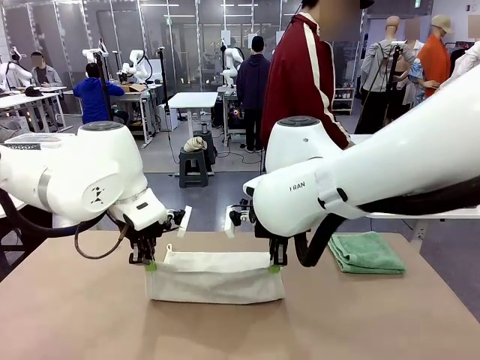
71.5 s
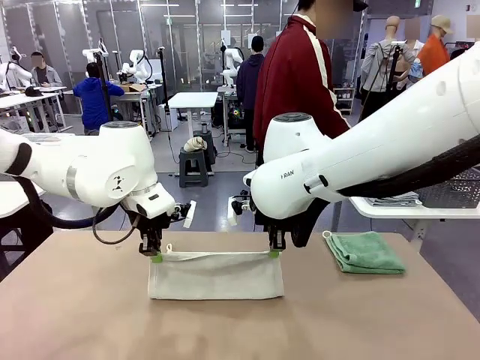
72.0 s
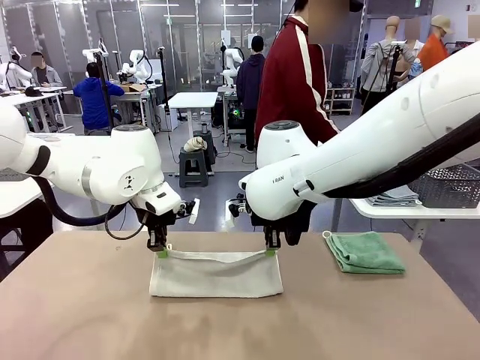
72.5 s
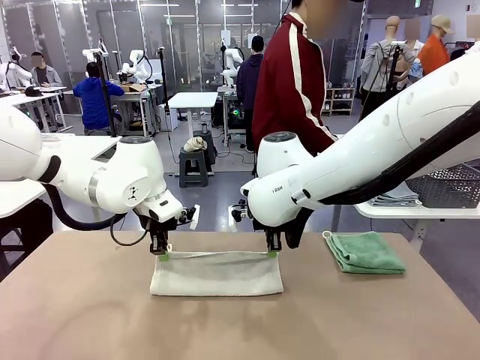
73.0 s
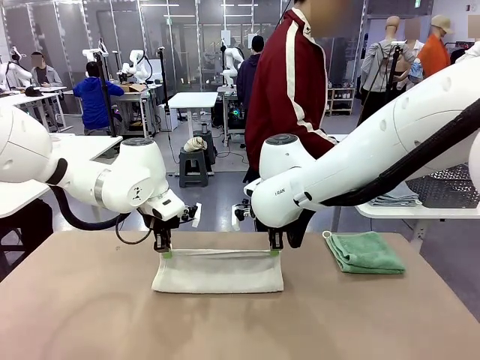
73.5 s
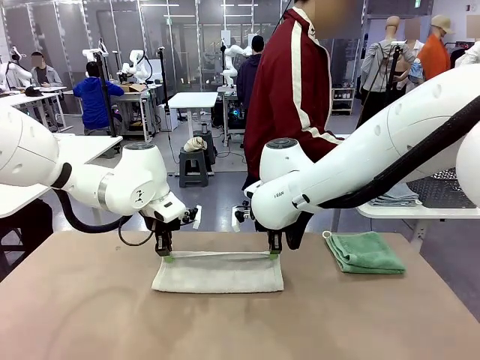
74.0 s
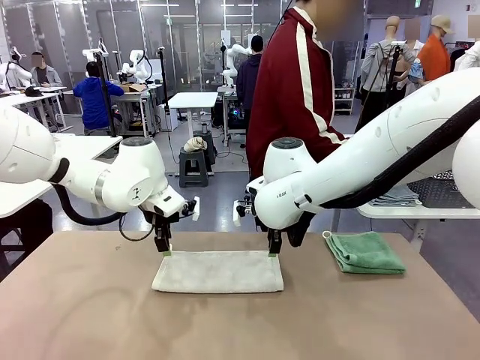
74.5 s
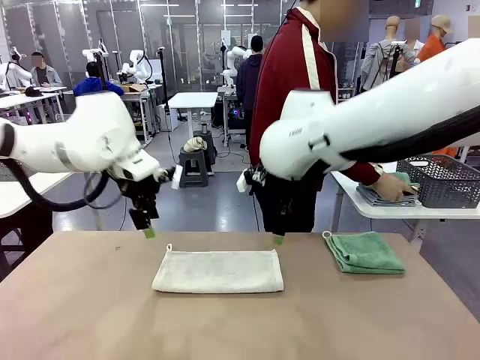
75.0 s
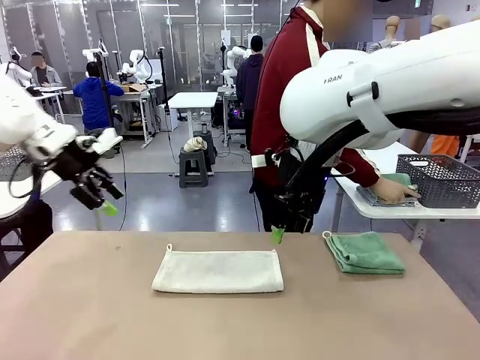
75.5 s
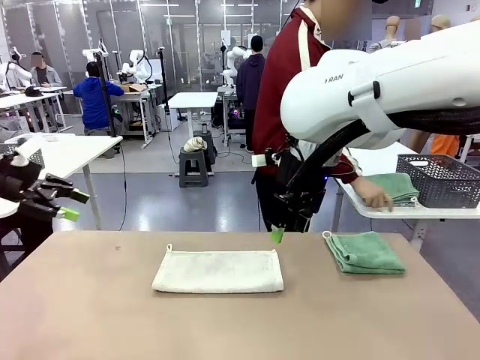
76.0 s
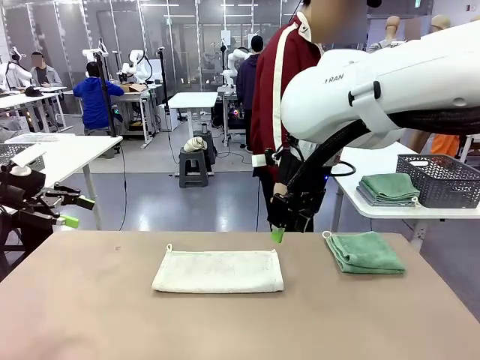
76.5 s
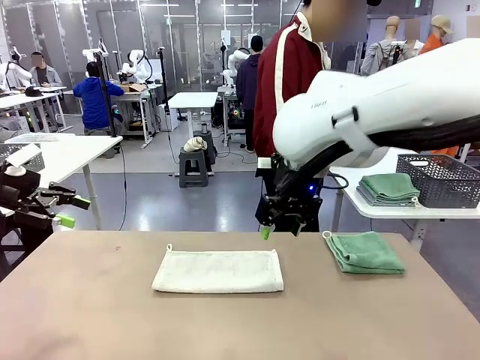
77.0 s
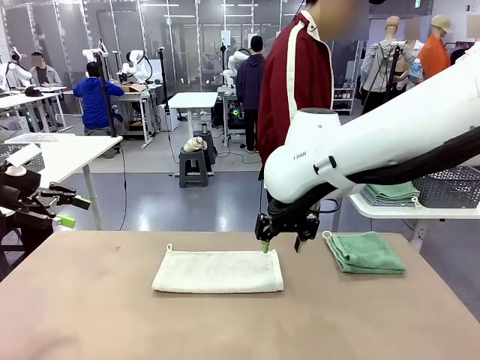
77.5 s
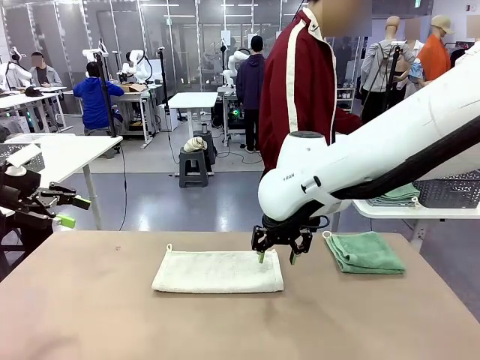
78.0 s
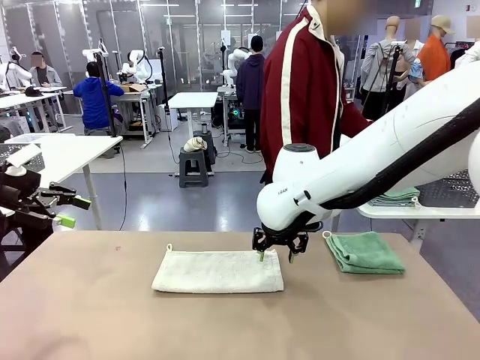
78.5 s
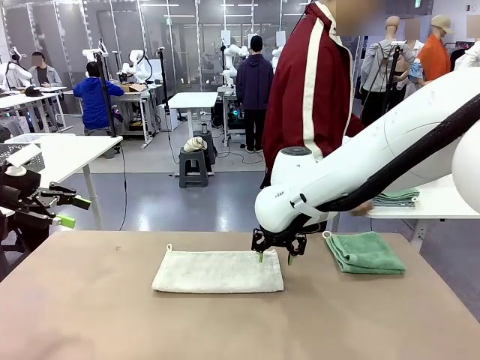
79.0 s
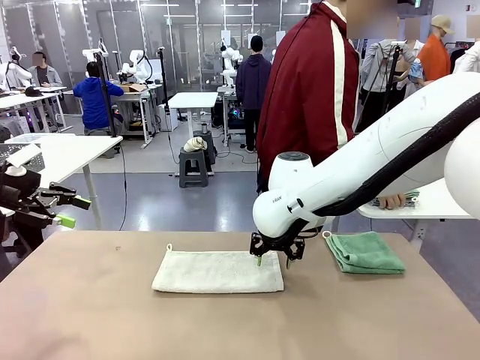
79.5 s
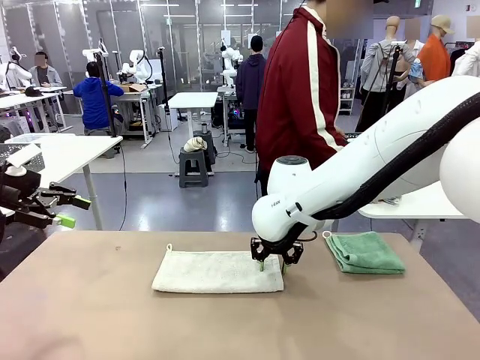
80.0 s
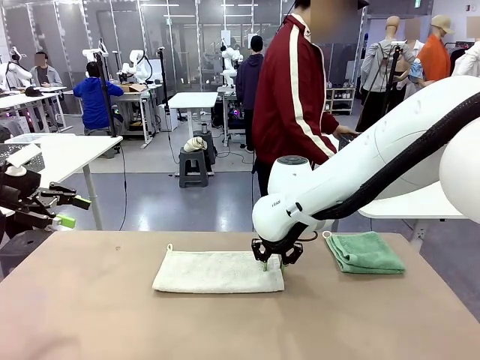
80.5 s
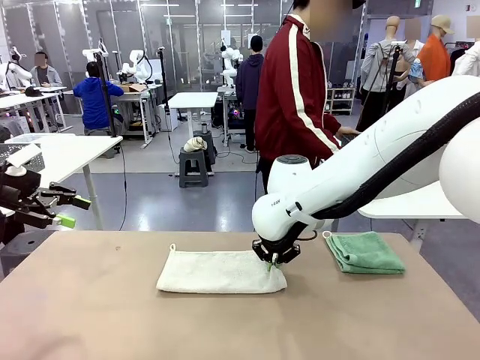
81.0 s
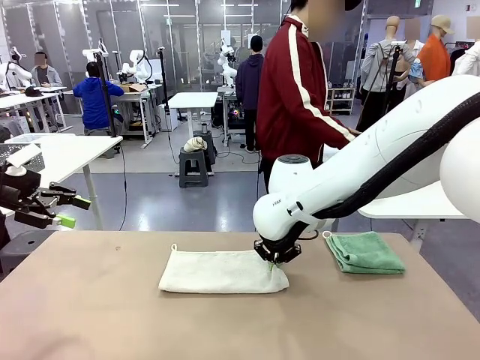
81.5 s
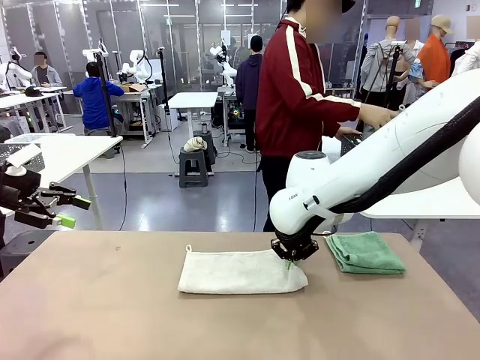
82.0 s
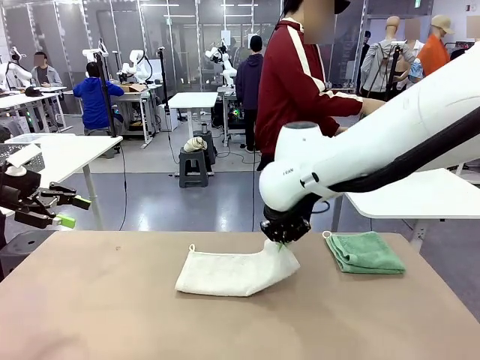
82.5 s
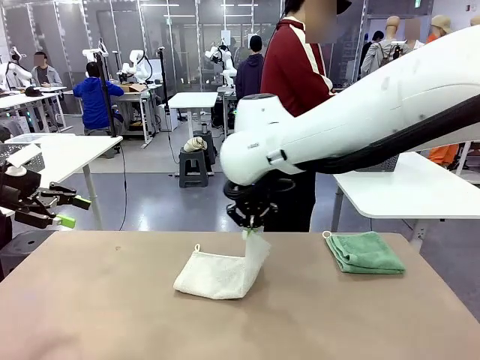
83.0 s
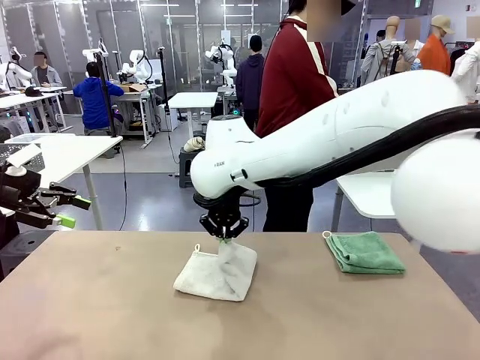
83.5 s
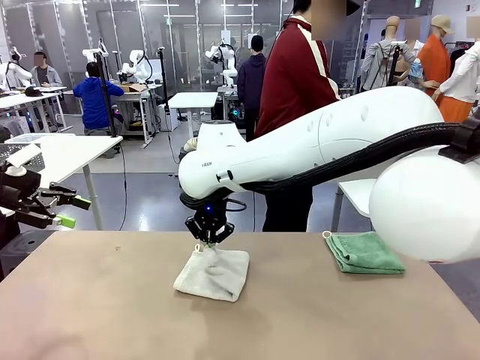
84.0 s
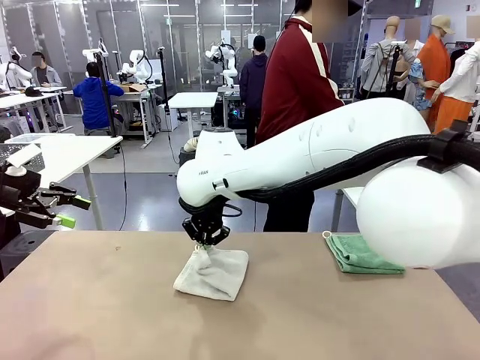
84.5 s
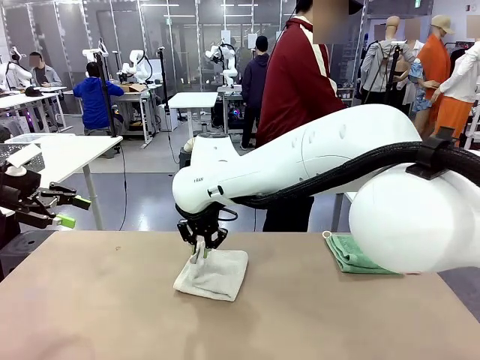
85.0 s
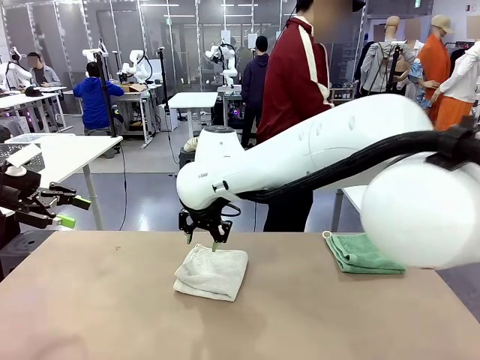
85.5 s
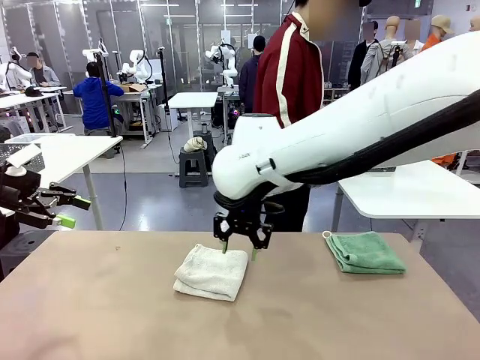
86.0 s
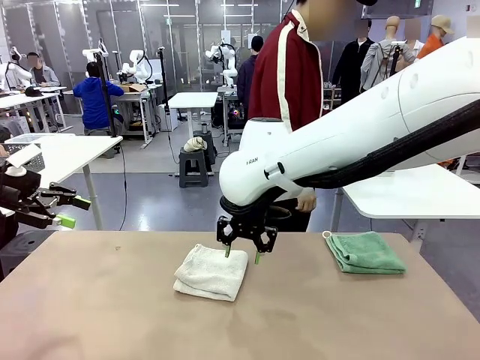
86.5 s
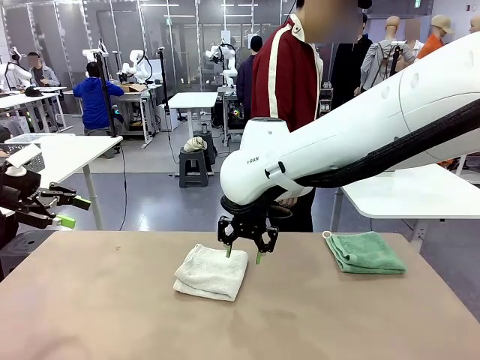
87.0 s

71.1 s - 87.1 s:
Task: Fold the towels and place them in the basket.
Robot: When a person lays out a Towel with hook on the table, fold it in half twice.
Person: Pick up the stack of towels from the right side of the human table, place it into the basket, and put the basket at the center of the table.

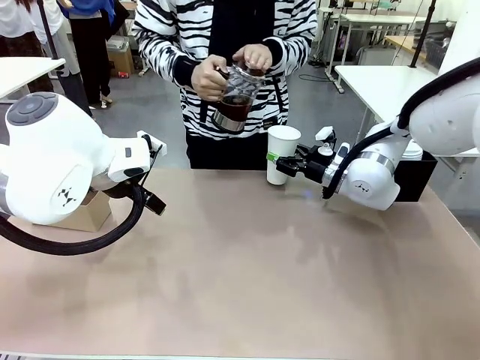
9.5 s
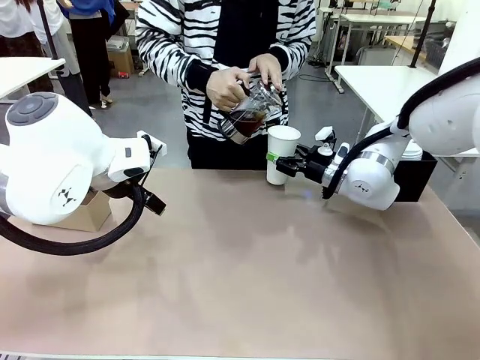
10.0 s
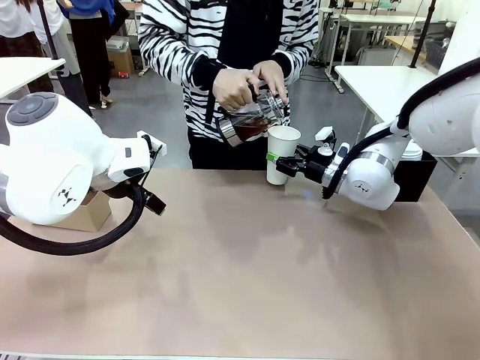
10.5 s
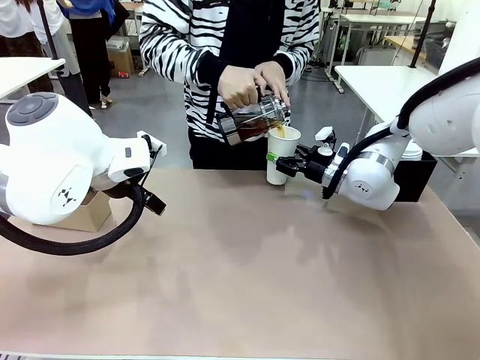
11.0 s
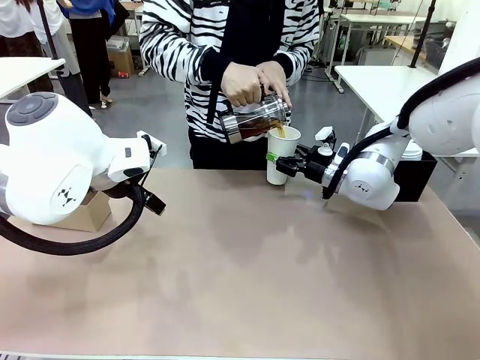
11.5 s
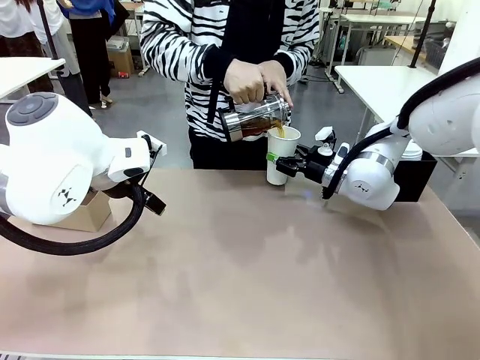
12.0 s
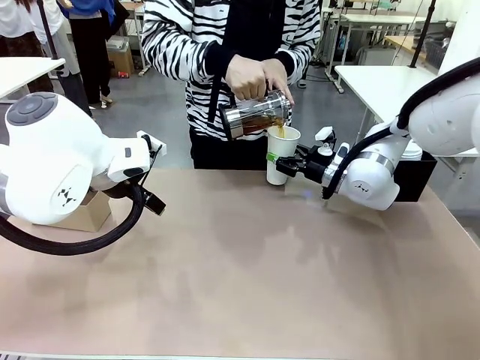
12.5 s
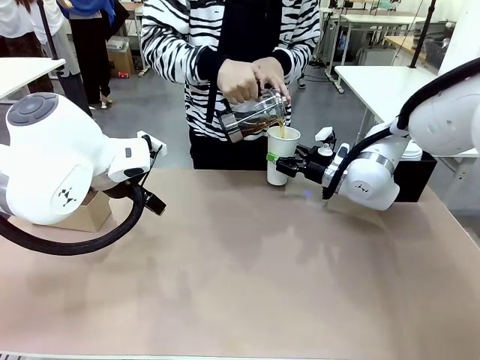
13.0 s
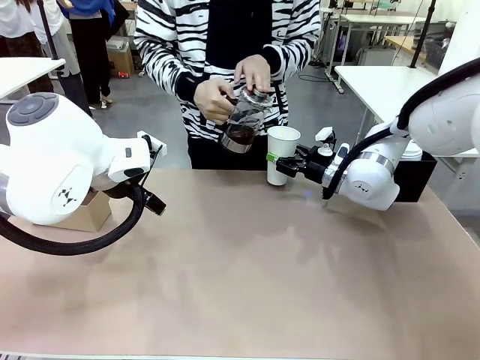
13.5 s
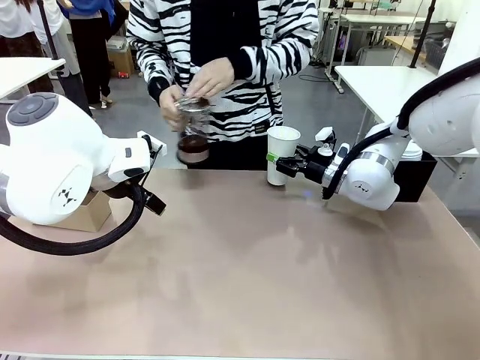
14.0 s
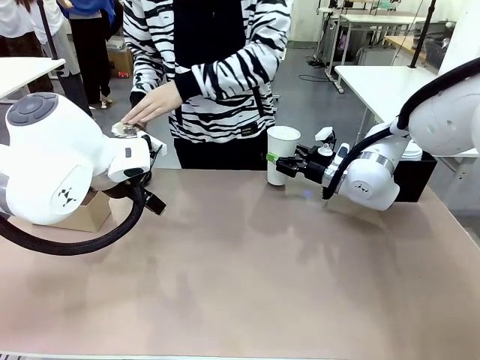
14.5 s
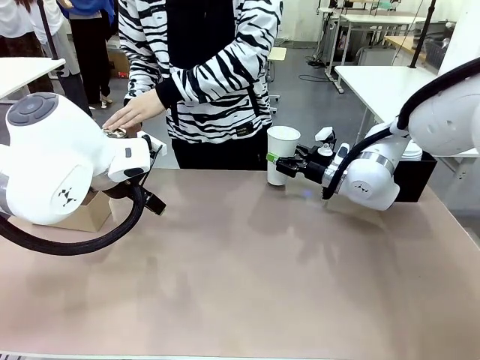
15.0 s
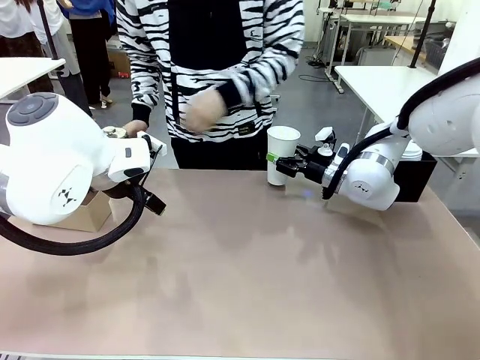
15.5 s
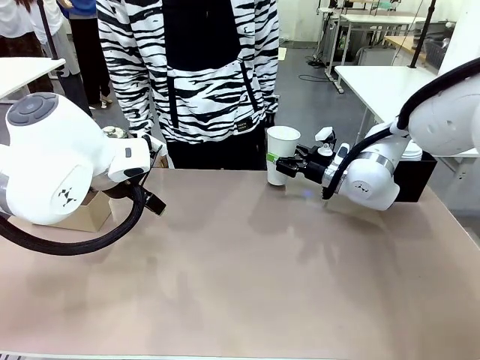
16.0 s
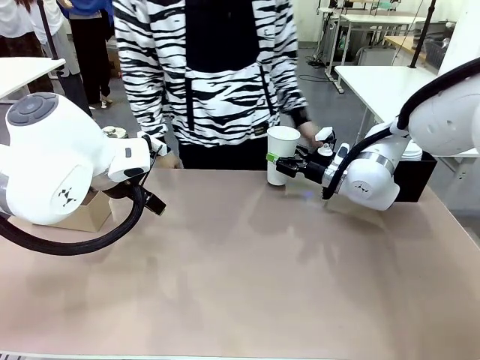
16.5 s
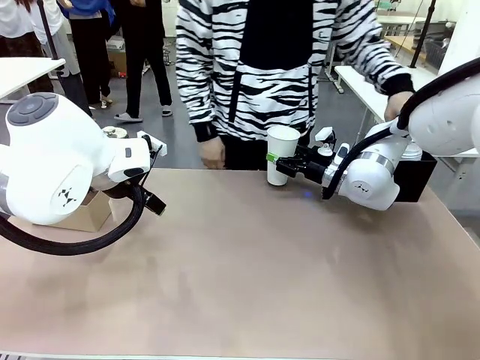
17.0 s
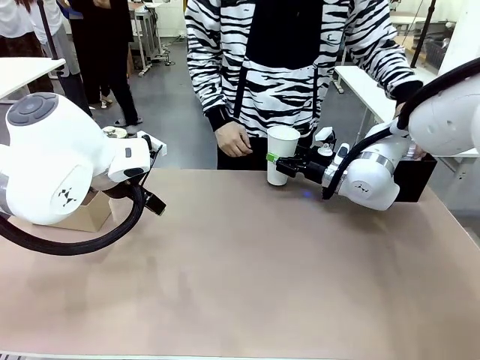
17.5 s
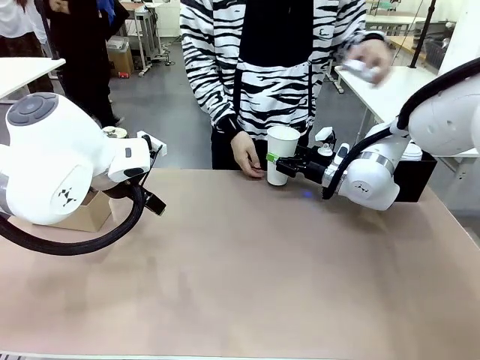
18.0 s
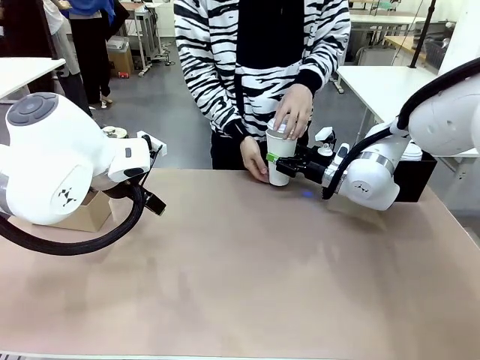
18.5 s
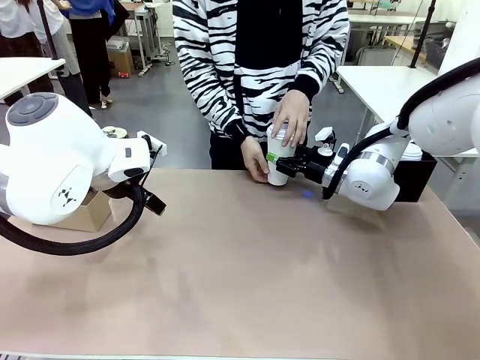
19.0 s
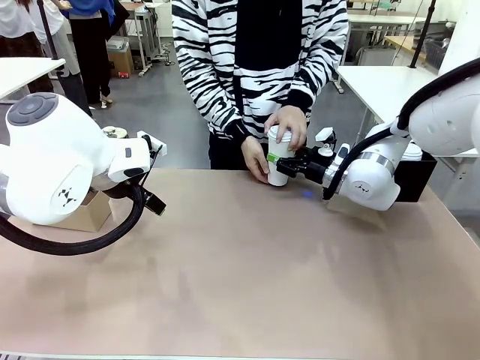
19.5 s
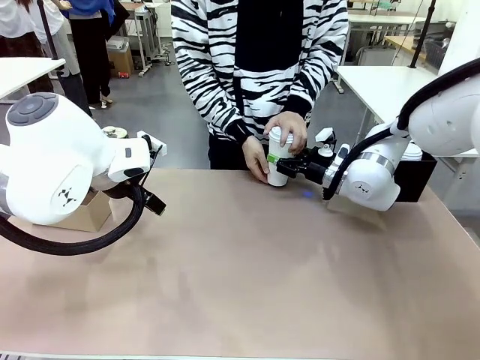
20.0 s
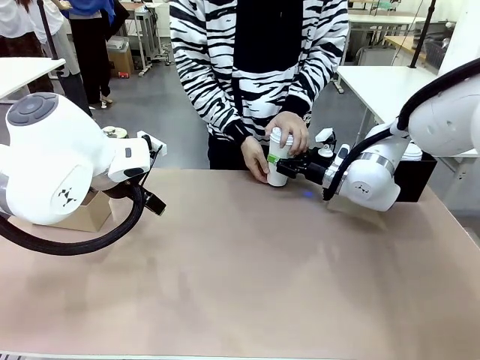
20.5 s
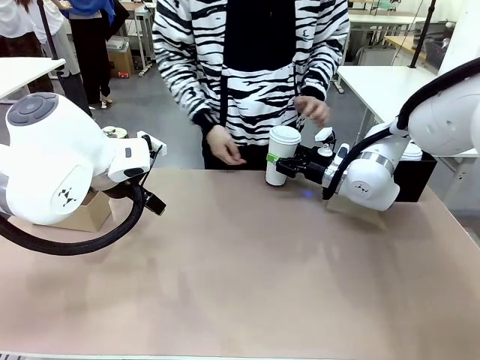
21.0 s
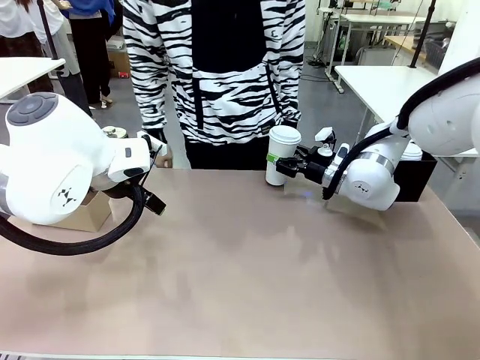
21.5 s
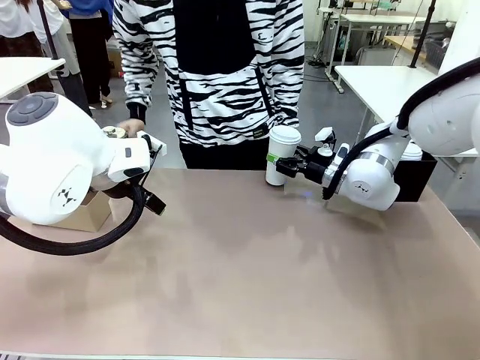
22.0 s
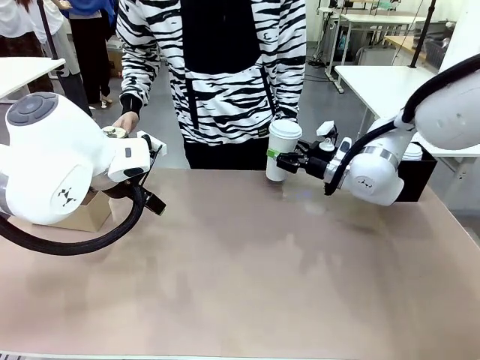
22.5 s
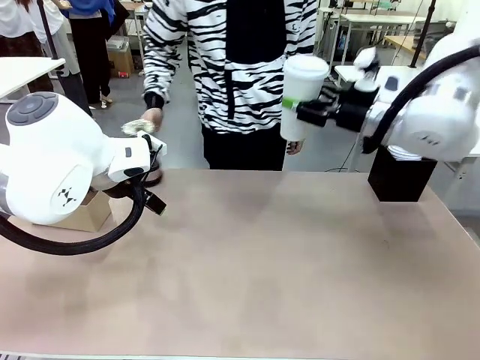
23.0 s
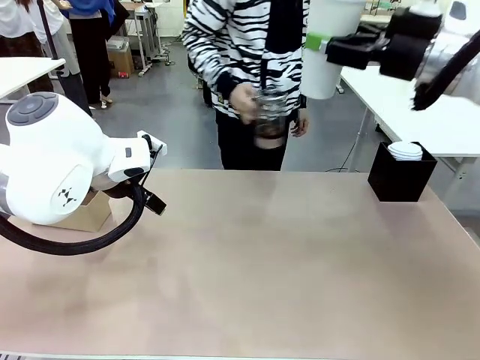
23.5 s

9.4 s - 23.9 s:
Task: Pour a drink into a cup and package it in a carrier.
Robot: When a person places the Paper Cup Lid on the 600 ml Paper Cup , lift the 600 ml Paper Cup.
Person: Pour the drink from the Filter Brewing into the 600 ml Paper Cup. Place a Paper Cup Lid on the 600 ml Paper Cup.
